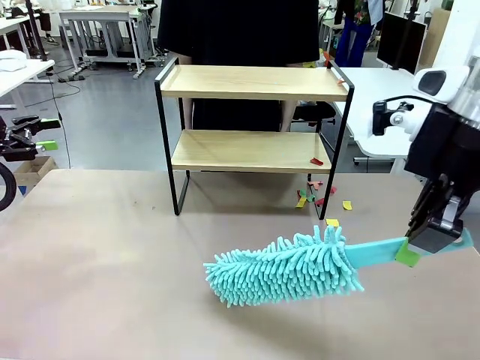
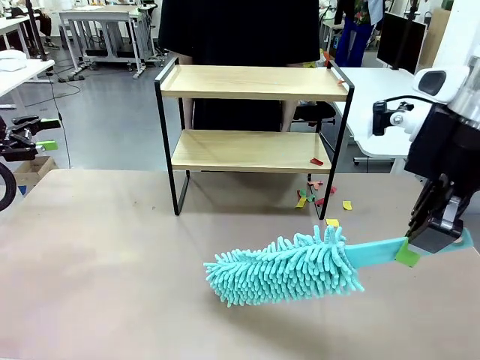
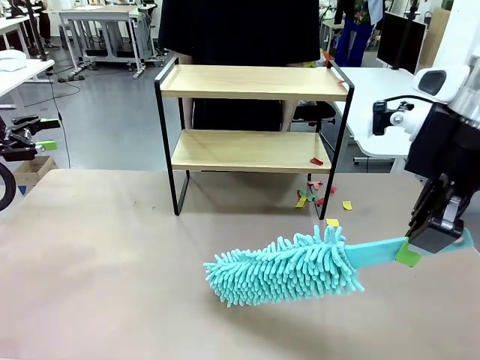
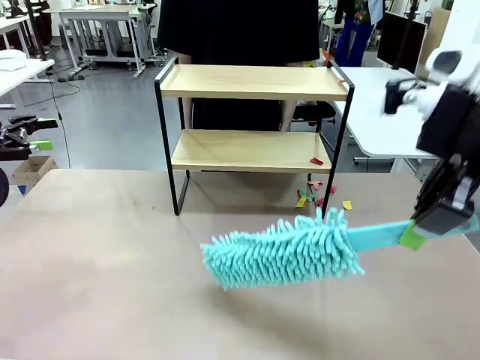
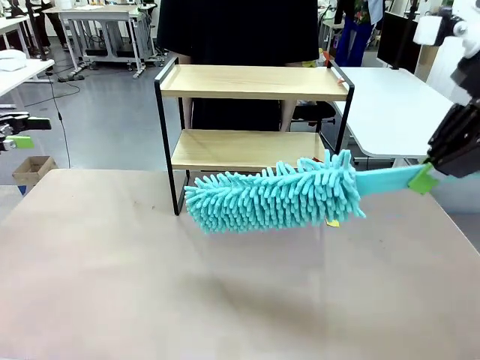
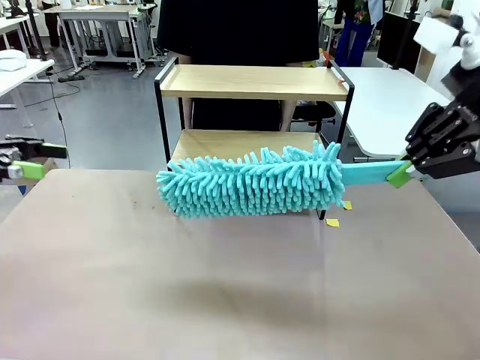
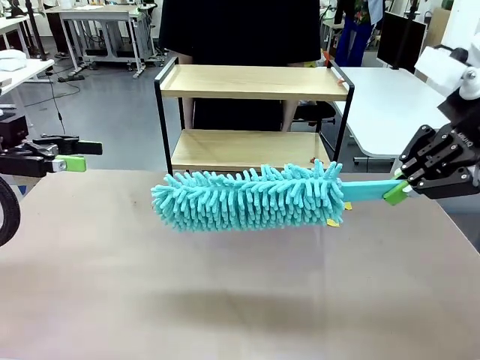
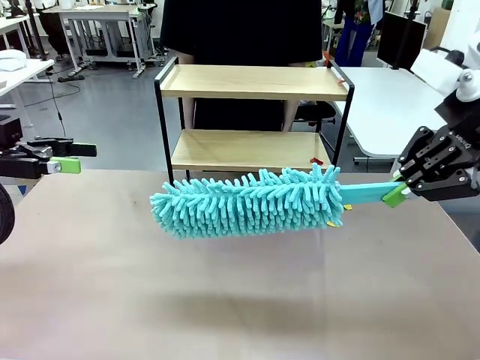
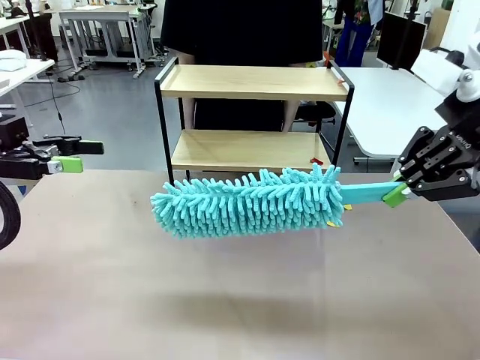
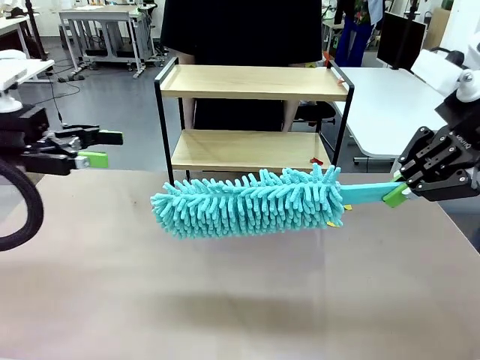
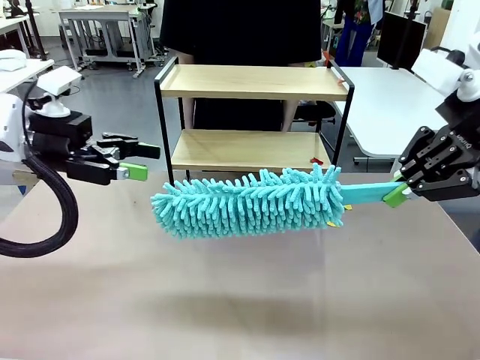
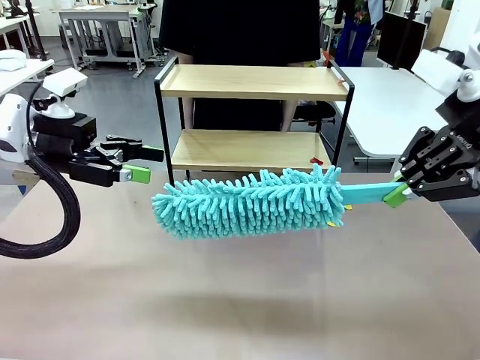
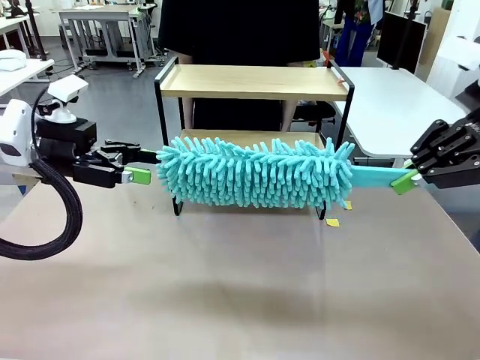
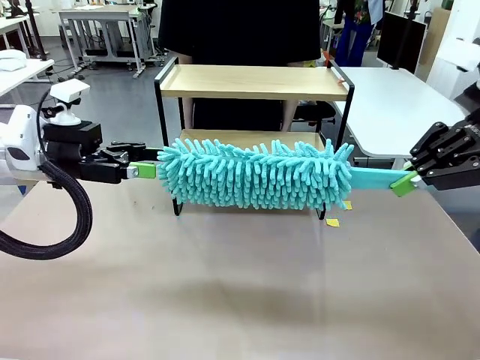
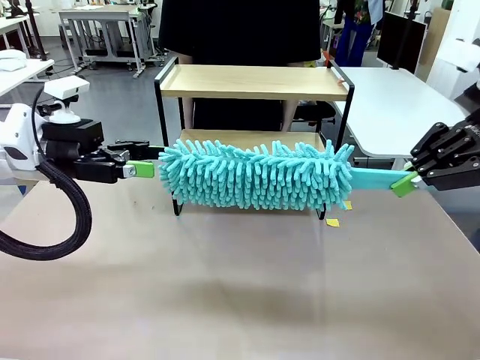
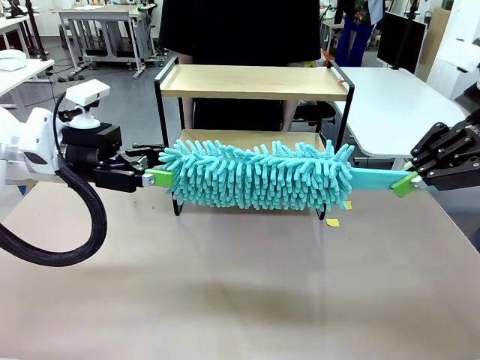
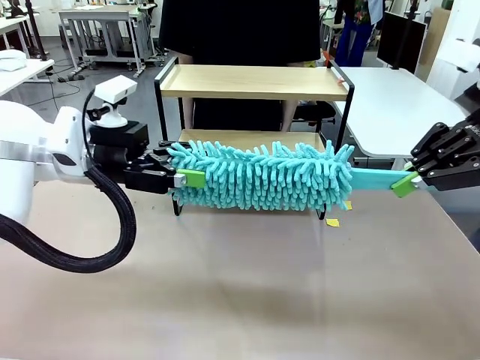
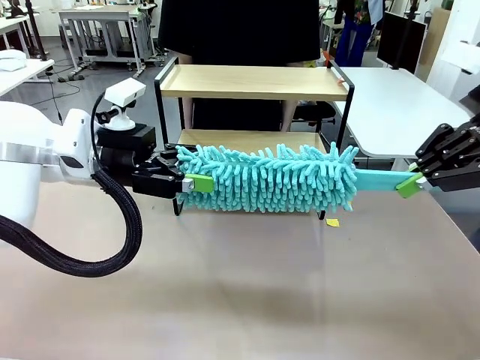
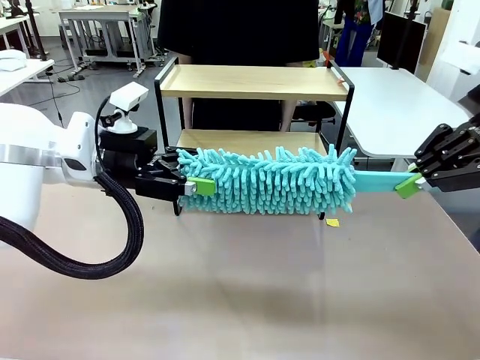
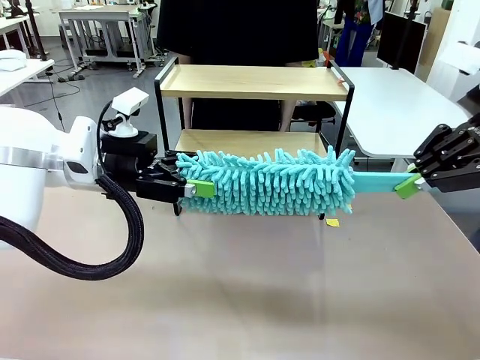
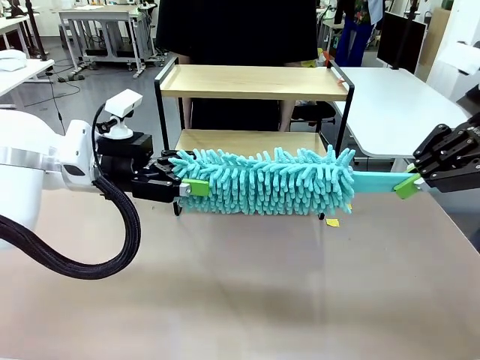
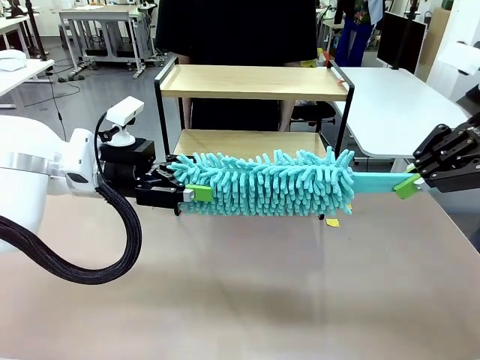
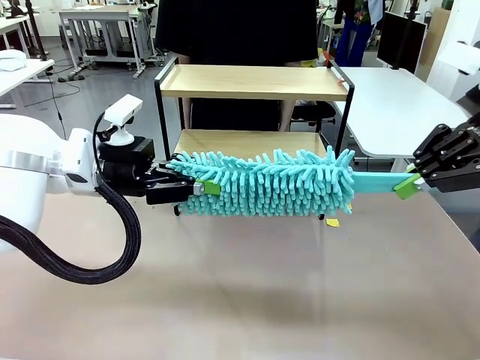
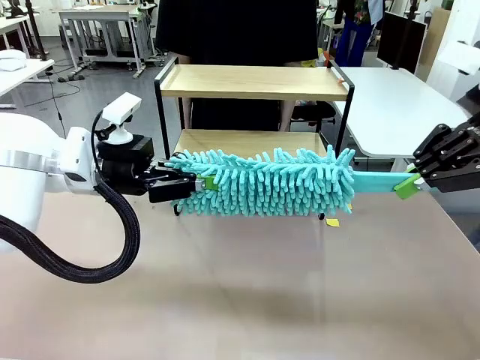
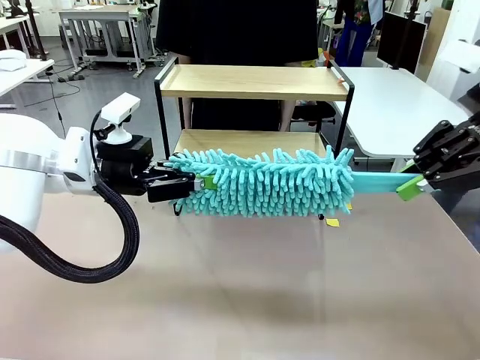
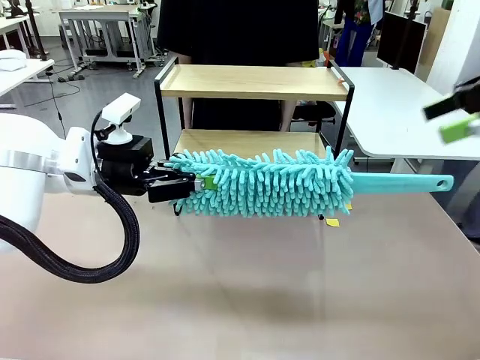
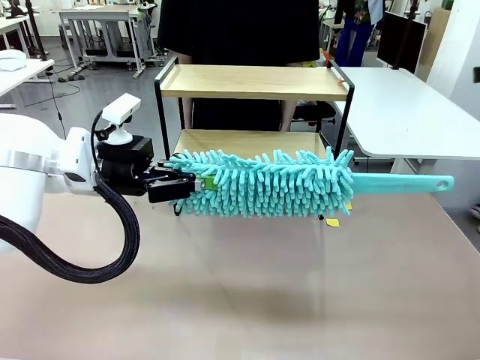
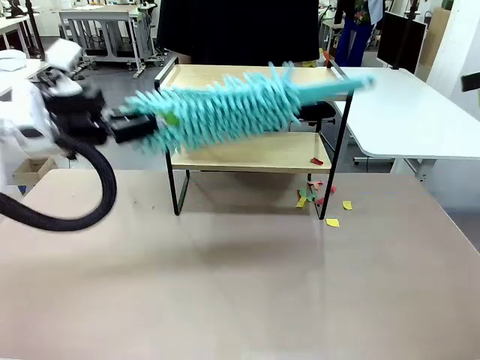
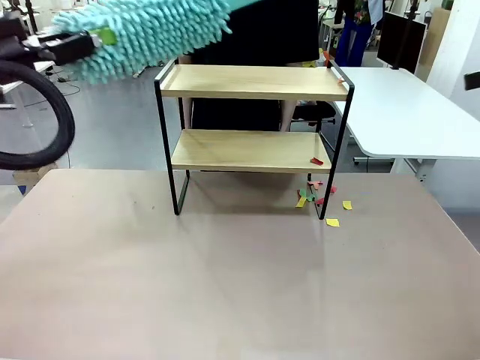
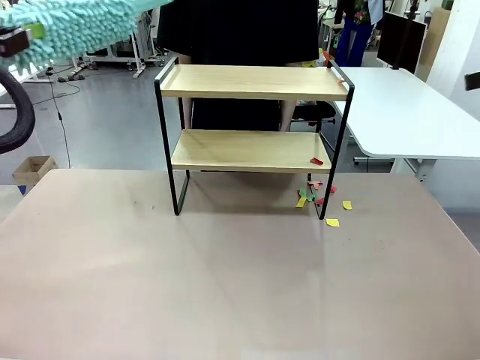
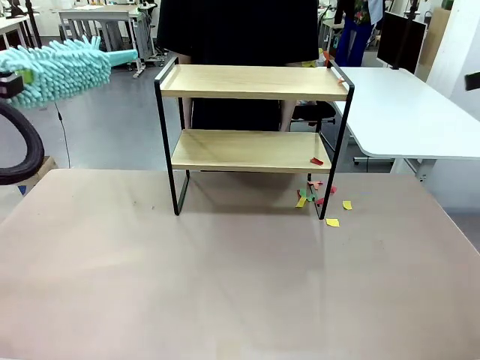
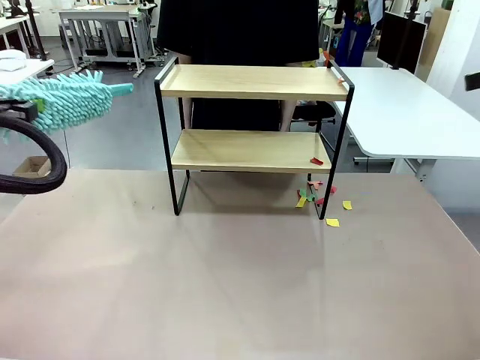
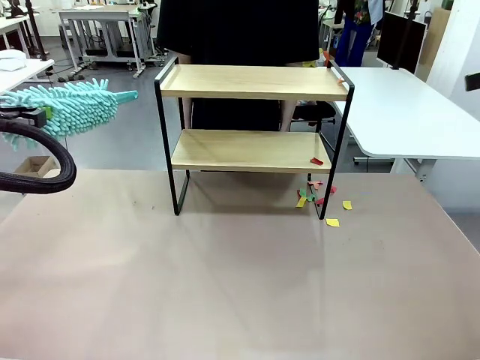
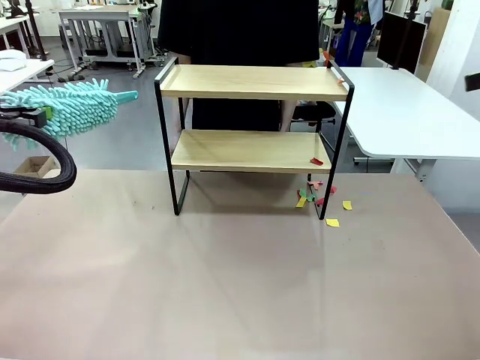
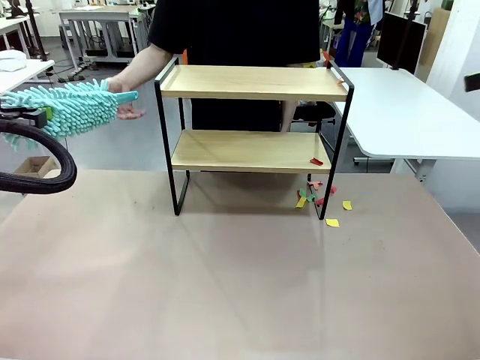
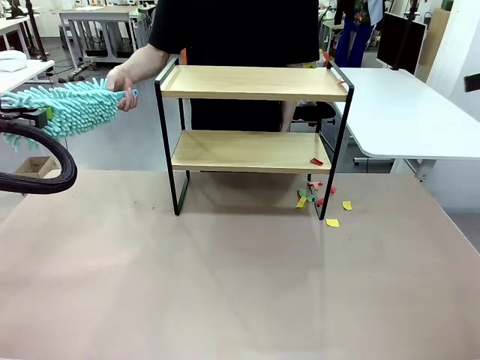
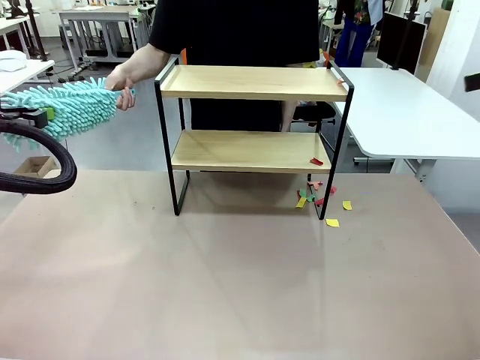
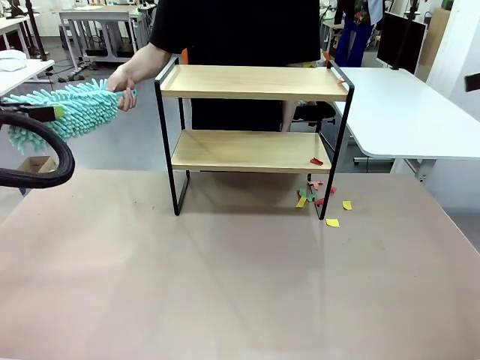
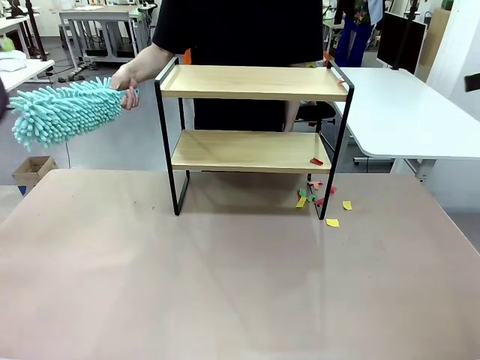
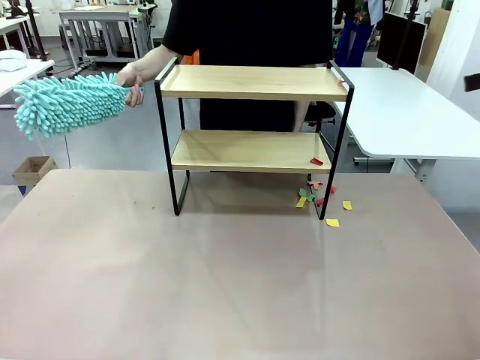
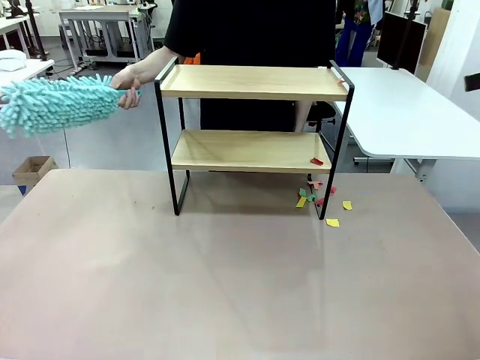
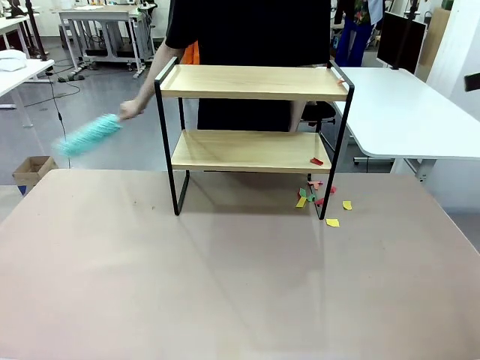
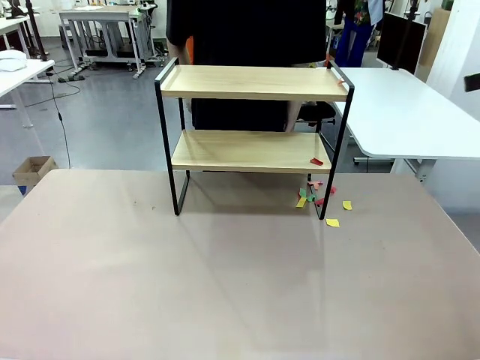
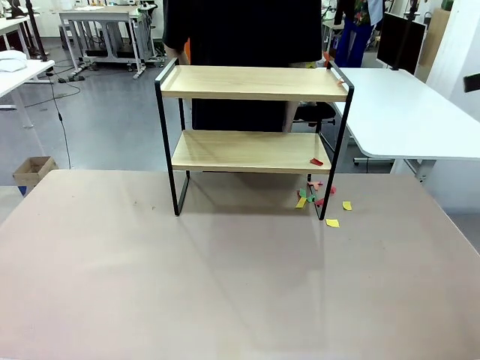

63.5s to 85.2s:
Task: Clean the shelf.
Robot: Hand the Duster back to the human.
Person: Receive the Duster from the robot.
